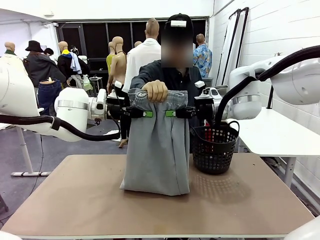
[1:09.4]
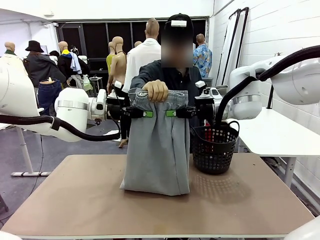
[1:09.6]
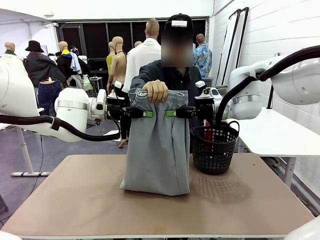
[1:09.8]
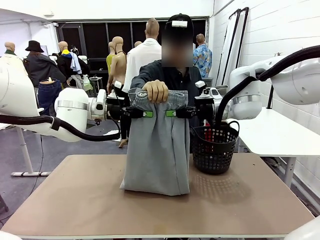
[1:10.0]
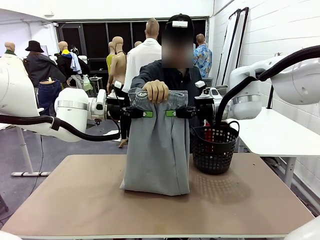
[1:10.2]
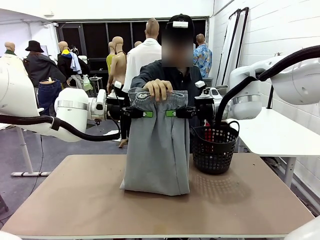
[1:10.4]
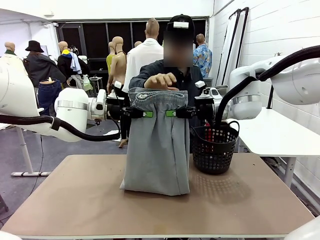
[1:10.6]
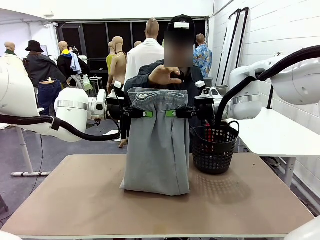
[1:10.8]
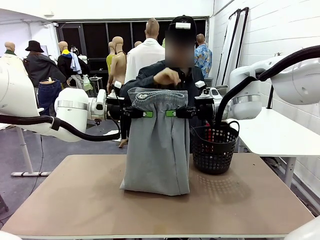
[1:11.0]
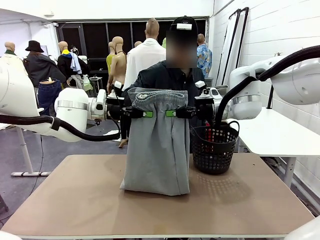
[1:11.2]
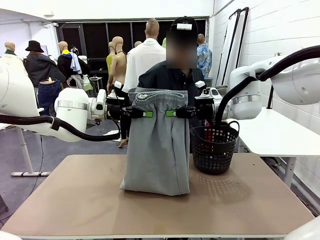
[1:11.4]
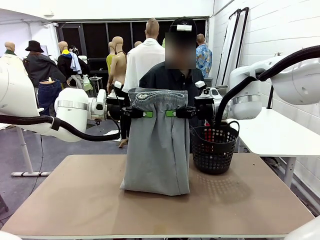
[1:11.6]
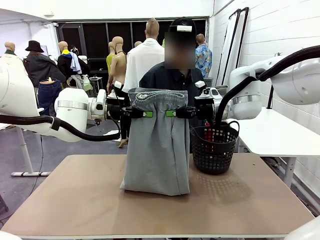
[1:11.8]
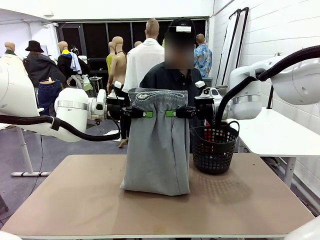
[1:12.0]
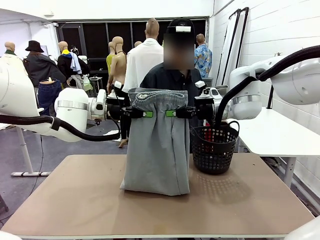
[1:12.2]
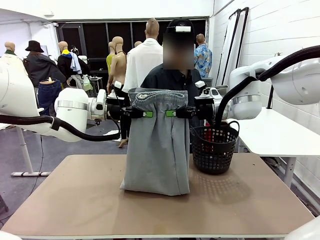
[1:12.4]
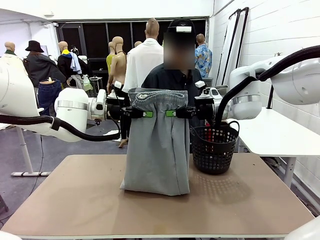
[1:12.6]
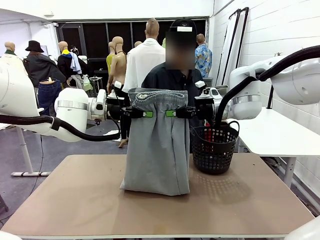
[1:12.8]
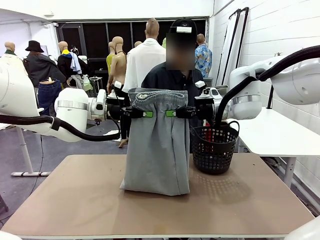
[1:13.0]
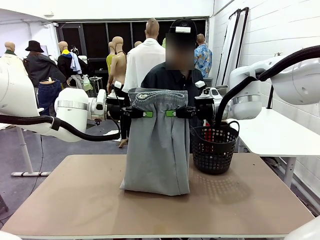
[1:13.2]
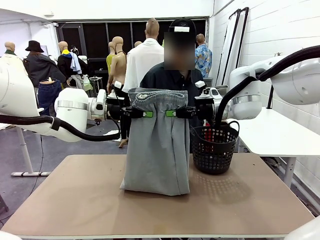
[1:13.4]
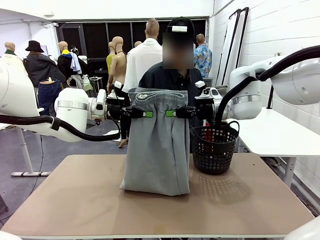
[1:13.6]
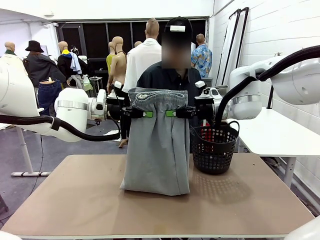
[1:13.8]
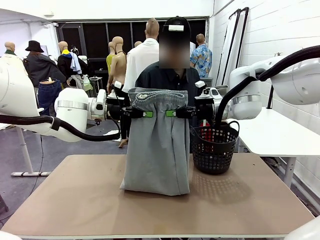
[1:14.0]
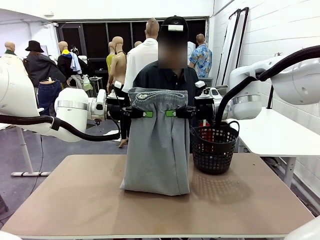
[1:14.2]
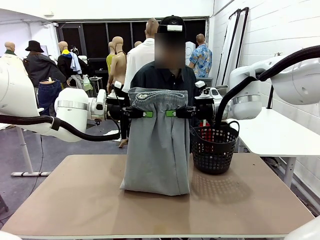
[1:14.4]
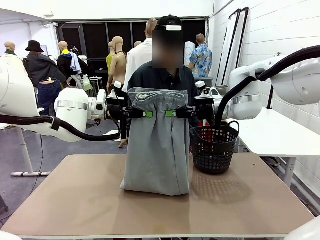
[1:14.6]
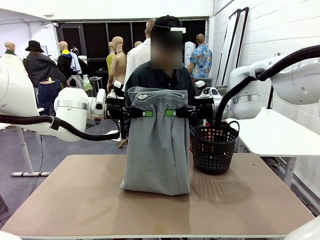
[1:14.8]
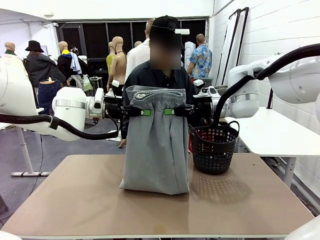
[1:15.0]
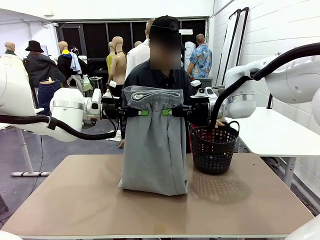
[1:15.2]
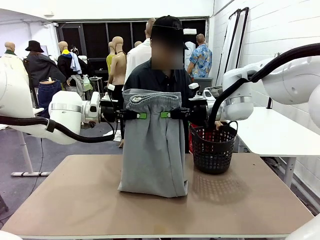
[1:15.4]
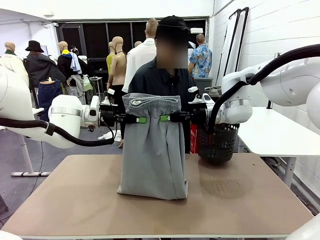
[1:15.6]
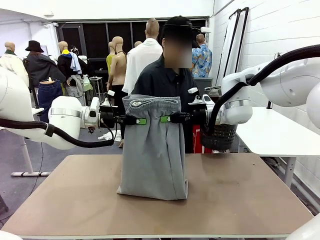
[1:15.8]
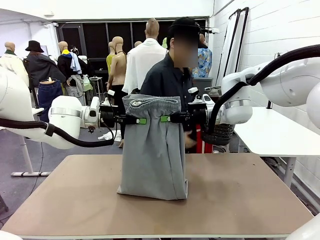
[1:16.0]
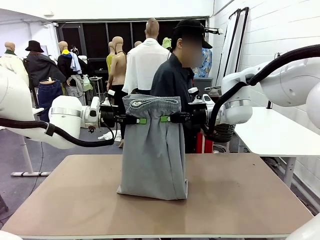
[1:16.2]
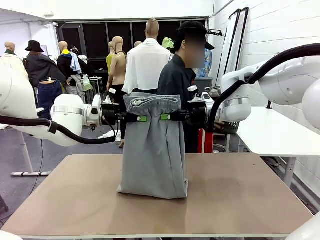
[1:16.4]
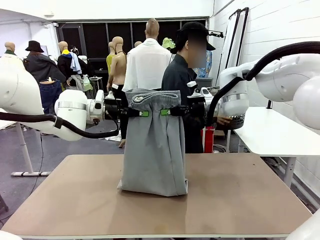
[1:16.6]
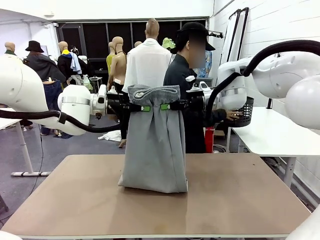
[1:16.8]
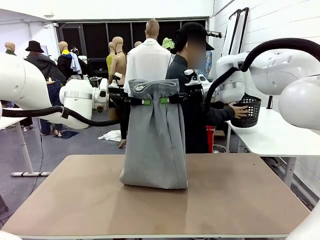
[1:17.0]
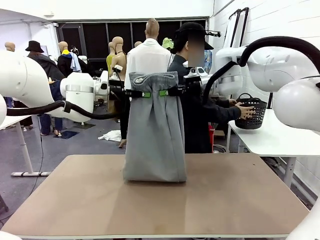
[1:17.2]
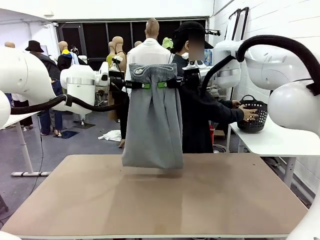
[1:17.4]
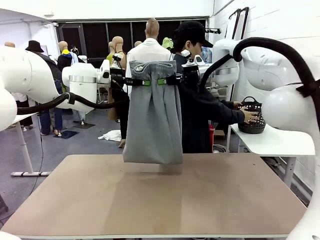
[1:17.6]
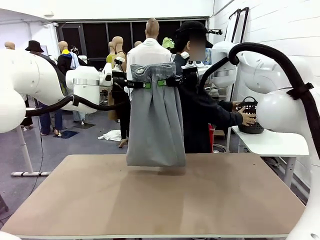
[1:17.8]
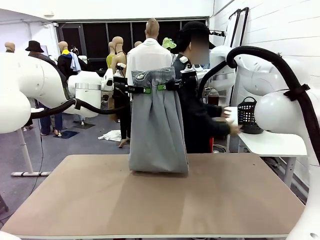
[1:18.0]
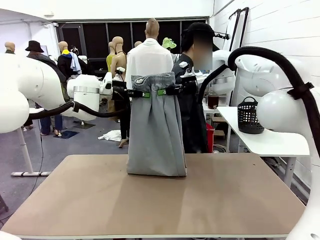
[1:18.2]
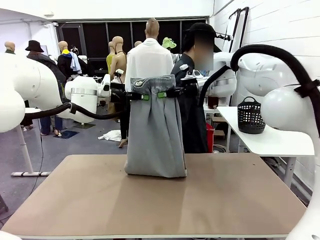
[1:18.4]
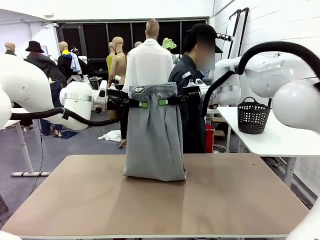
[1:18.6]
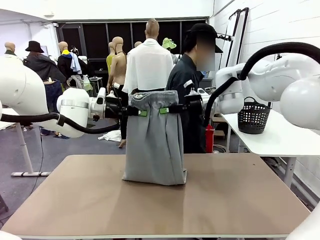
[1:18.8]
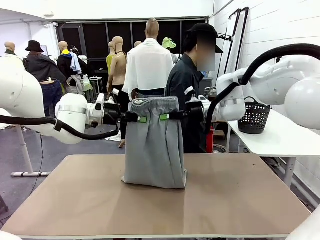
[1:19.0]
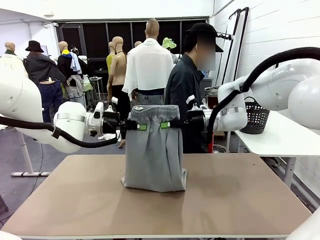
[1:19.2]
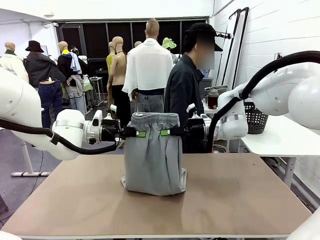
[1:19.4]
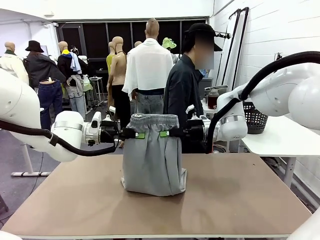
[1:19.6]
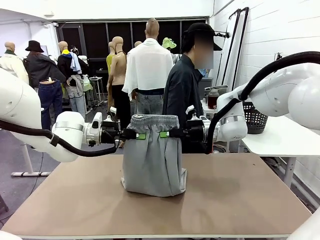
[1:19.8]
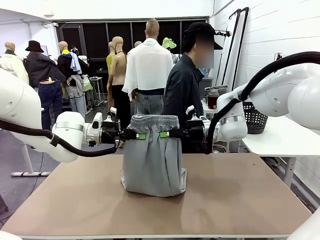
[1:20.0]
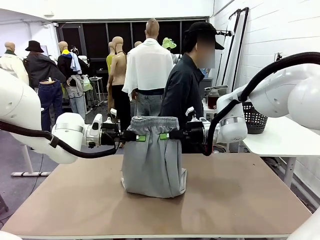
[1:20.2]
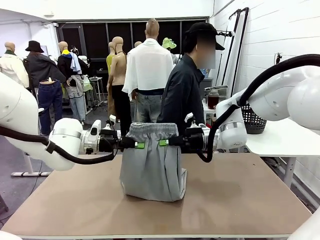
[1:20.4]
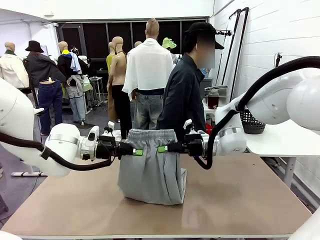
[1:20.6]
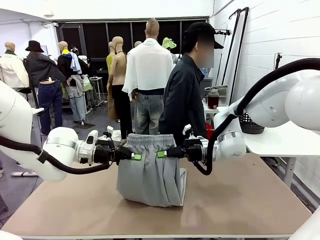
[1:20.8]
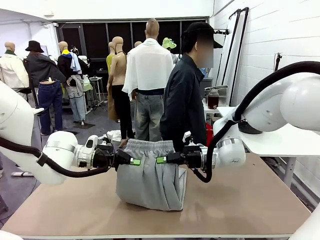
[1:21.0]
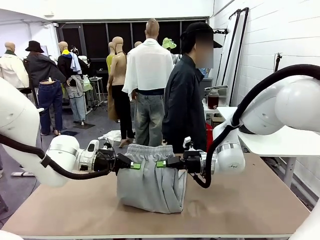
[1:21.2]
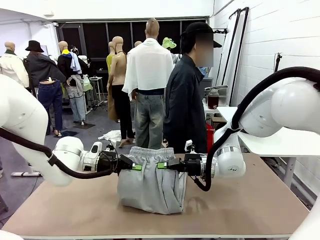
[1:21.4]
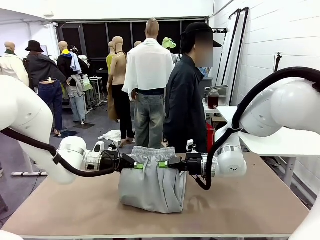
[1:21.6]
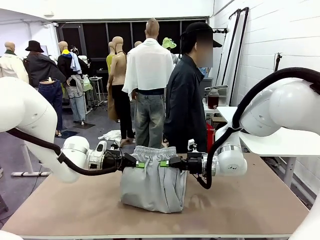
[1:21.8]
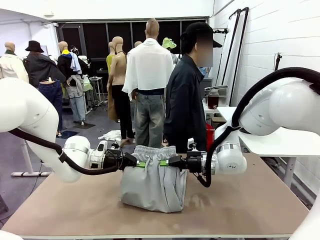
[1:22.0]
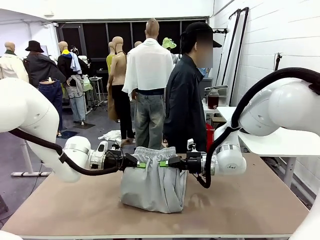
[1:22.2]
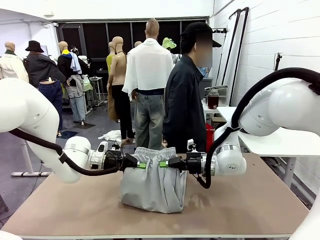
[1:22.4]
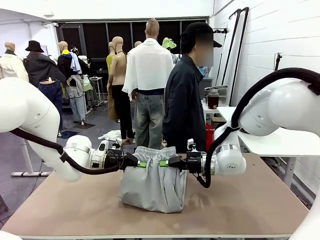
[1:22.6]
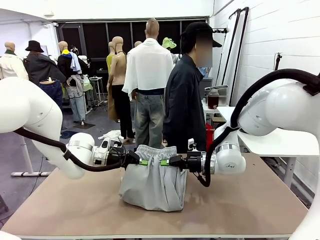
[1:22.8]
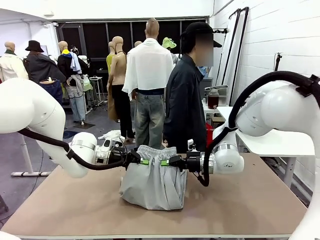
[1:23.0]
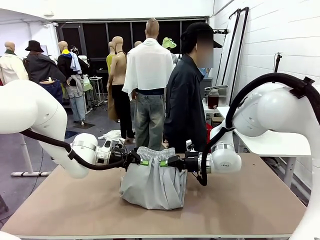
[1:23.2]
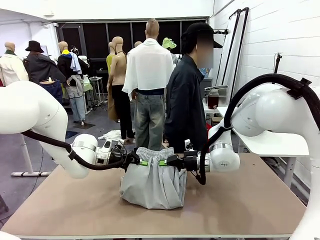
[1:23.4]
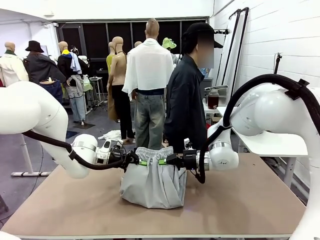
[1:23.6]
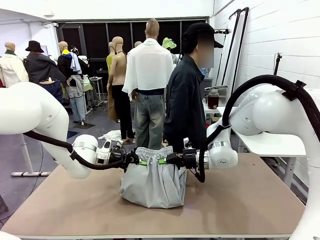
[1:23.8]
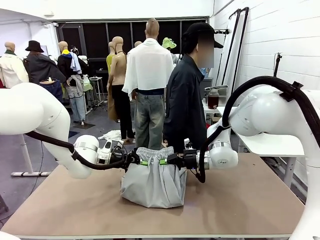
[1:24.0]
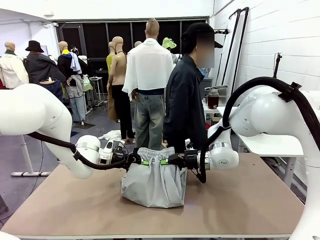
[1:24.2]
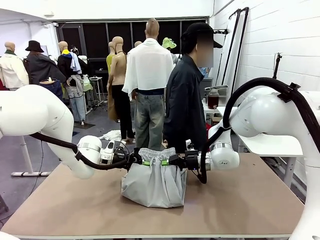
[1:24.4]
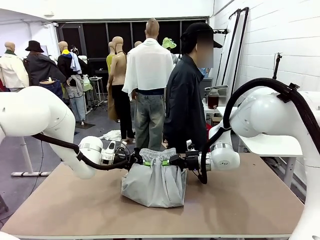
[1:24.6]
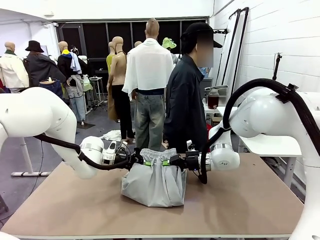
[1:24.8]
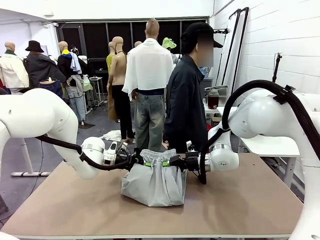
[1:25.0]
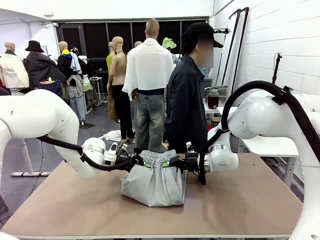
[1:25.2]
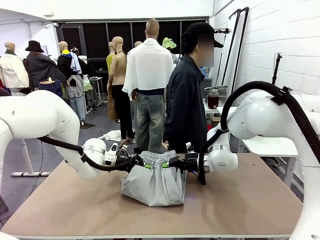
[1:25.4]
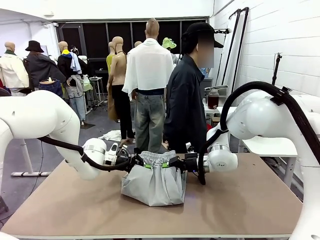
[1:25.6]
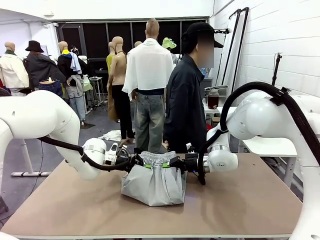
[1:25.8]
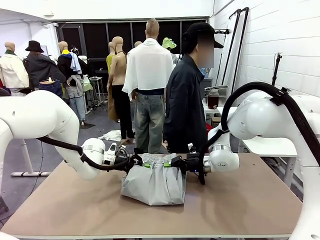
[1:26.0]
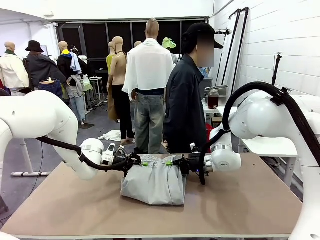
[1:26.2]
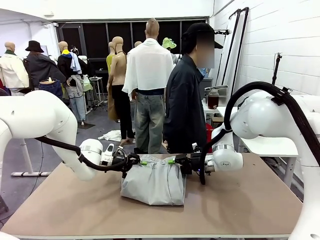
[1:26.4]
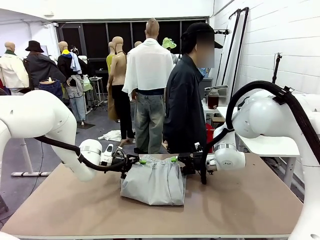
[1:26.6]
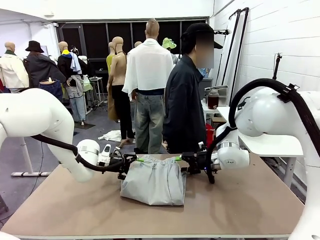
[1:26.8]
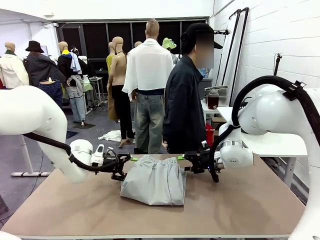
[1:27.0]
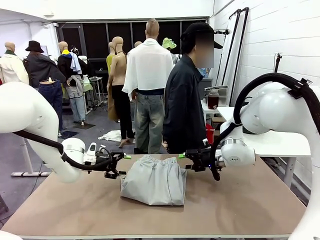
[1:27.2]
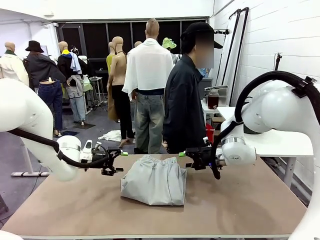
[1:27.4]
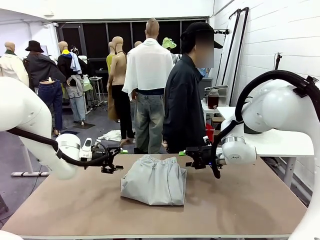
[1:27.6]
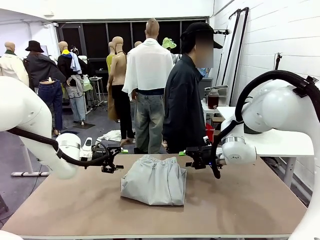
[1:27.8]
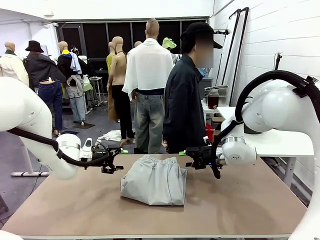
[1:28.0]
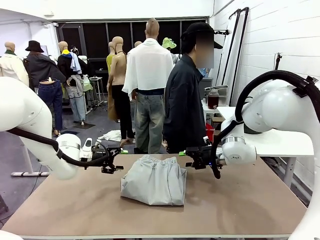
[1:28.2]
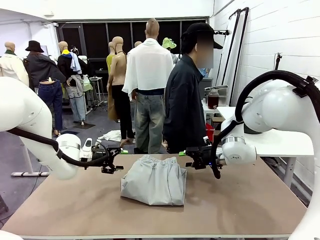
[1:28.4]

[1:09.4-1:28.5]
Task: Fold the training pants.
Robot: Fold the Training pants in half.
Person: Move the laundry basket to the right of the human table.
